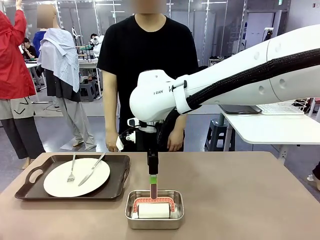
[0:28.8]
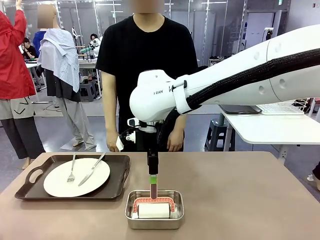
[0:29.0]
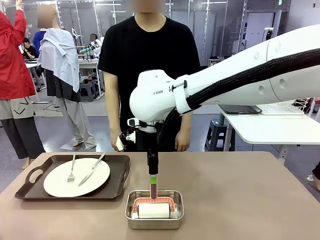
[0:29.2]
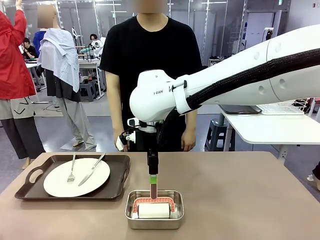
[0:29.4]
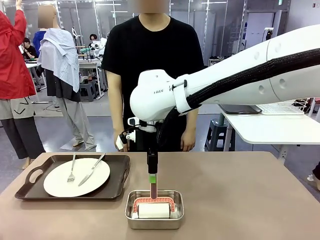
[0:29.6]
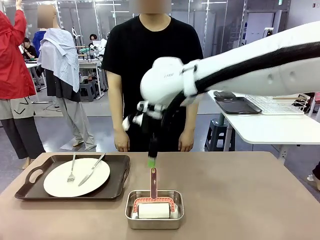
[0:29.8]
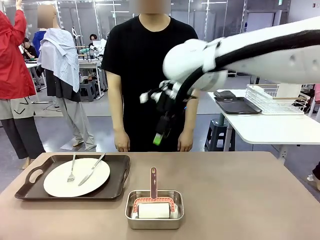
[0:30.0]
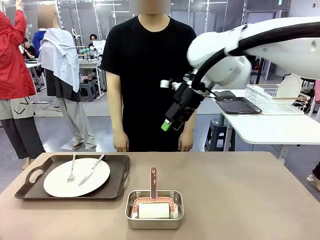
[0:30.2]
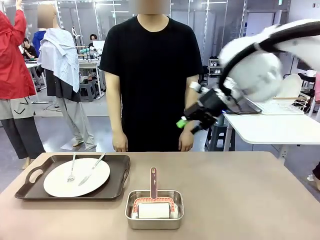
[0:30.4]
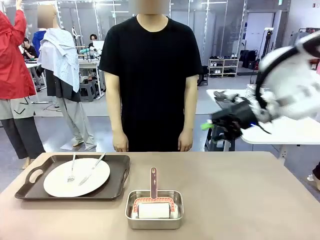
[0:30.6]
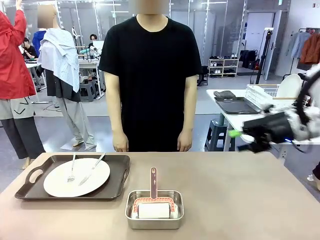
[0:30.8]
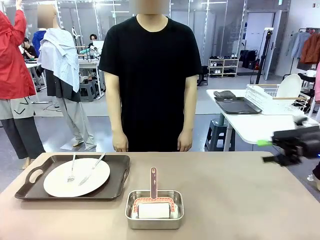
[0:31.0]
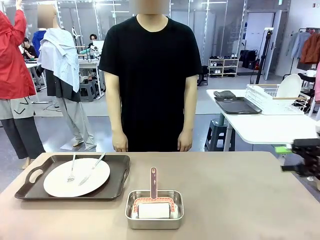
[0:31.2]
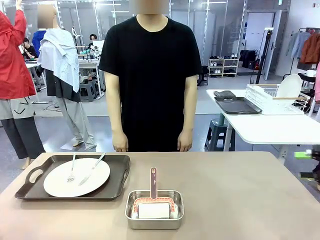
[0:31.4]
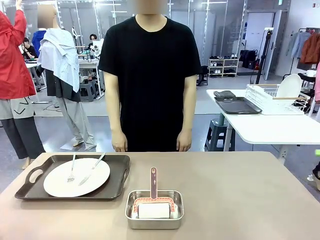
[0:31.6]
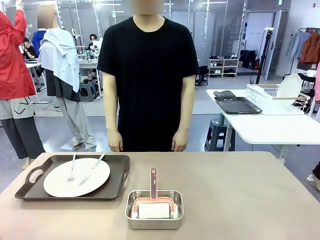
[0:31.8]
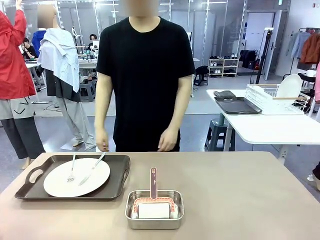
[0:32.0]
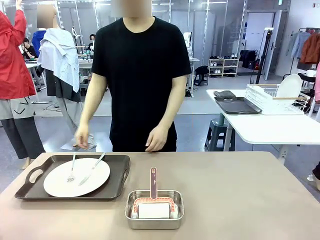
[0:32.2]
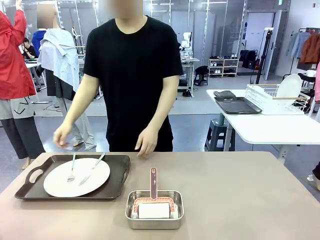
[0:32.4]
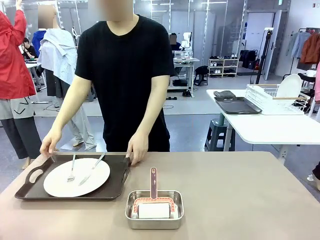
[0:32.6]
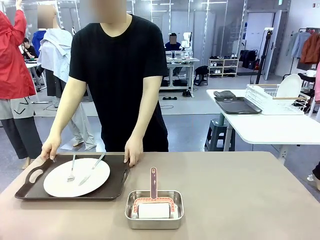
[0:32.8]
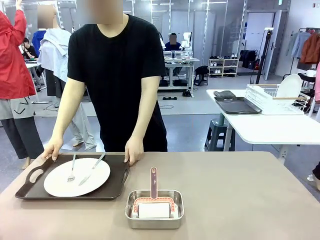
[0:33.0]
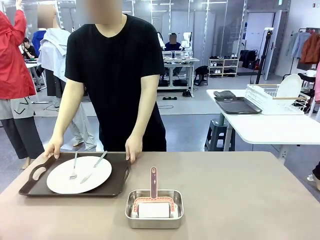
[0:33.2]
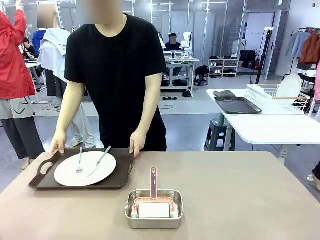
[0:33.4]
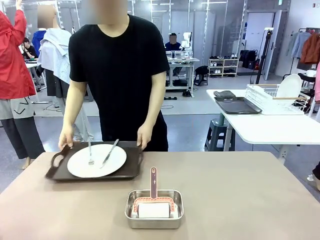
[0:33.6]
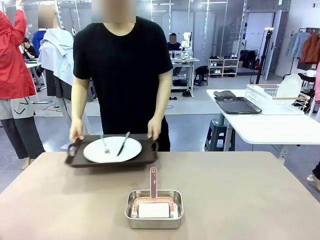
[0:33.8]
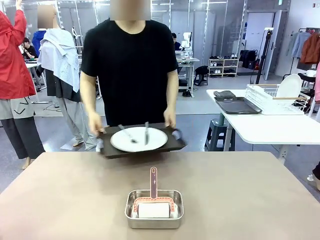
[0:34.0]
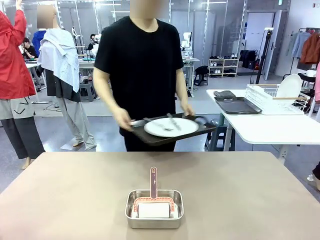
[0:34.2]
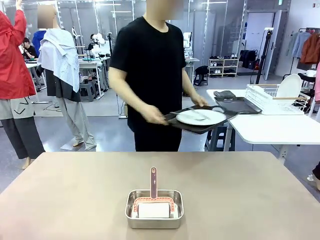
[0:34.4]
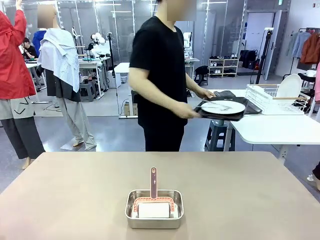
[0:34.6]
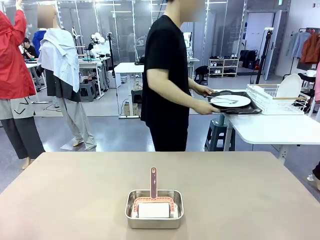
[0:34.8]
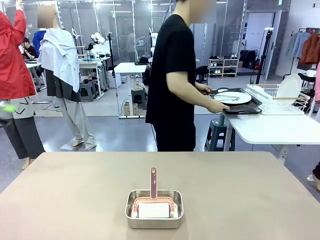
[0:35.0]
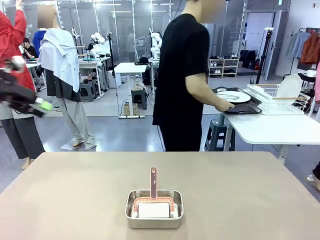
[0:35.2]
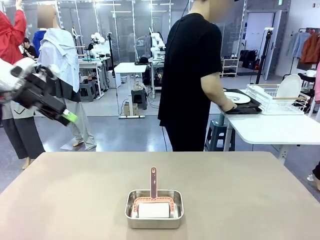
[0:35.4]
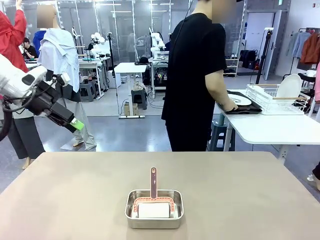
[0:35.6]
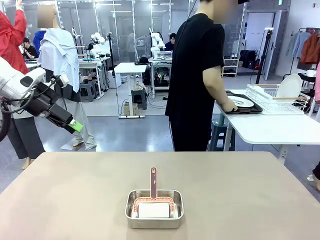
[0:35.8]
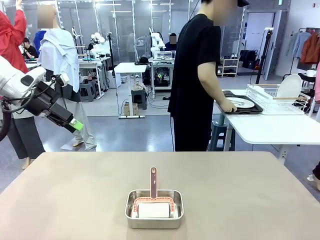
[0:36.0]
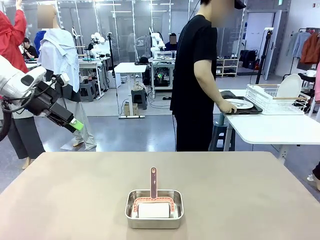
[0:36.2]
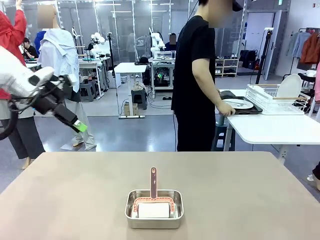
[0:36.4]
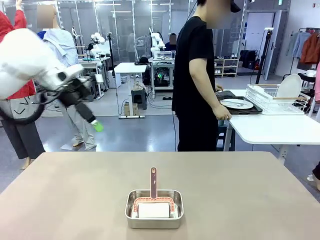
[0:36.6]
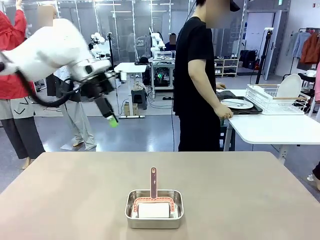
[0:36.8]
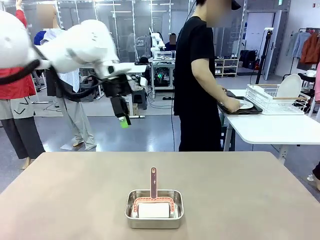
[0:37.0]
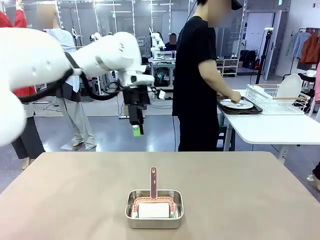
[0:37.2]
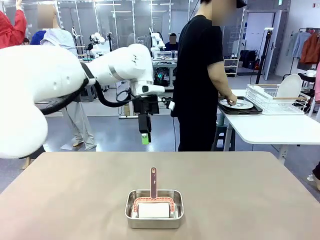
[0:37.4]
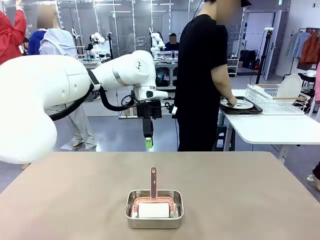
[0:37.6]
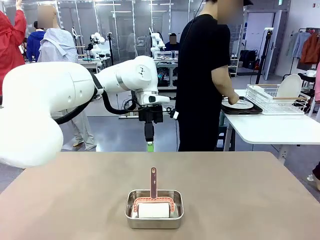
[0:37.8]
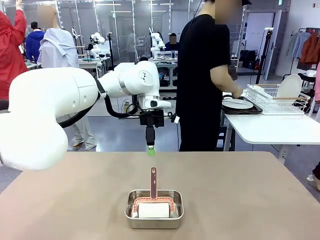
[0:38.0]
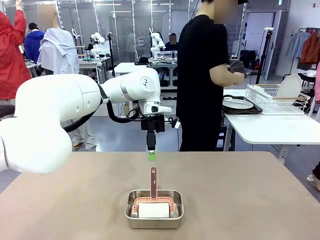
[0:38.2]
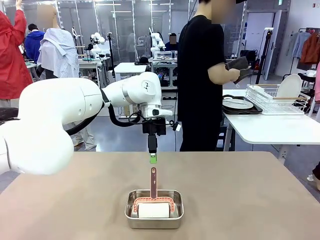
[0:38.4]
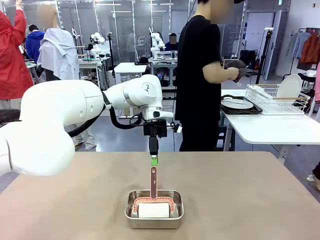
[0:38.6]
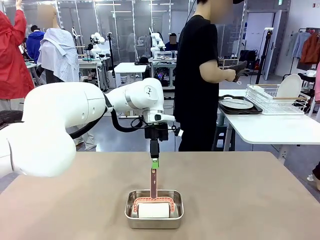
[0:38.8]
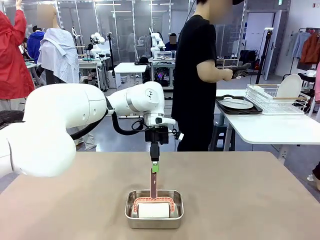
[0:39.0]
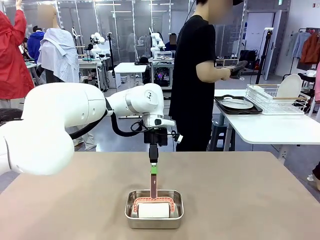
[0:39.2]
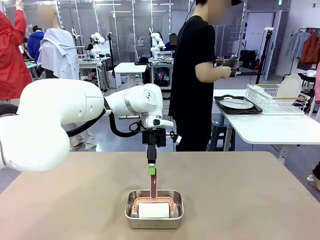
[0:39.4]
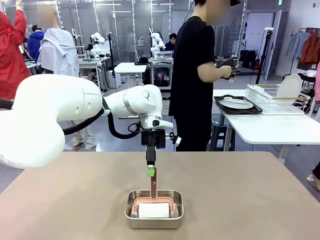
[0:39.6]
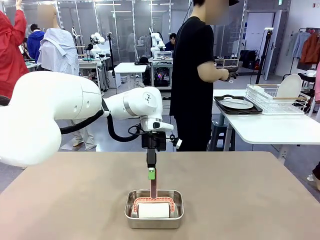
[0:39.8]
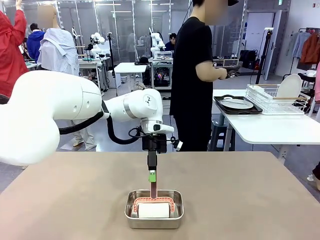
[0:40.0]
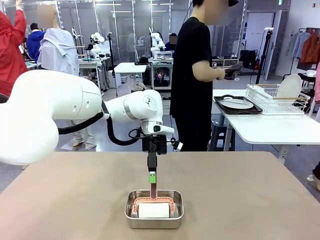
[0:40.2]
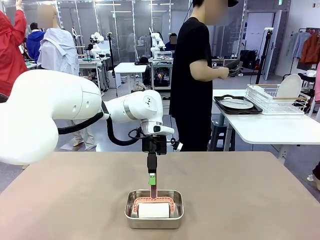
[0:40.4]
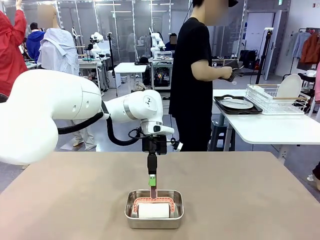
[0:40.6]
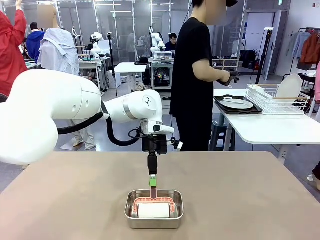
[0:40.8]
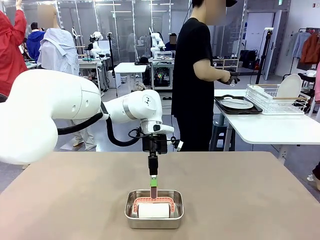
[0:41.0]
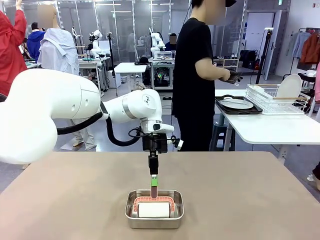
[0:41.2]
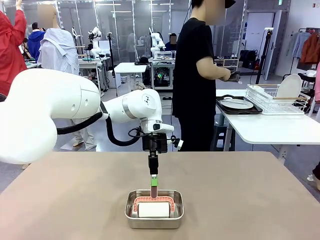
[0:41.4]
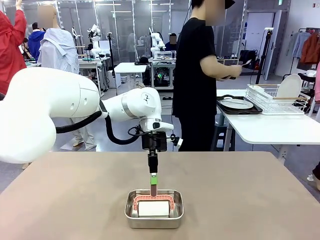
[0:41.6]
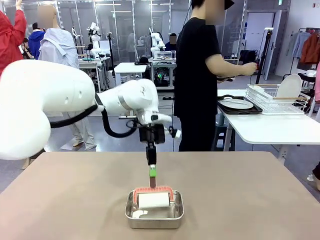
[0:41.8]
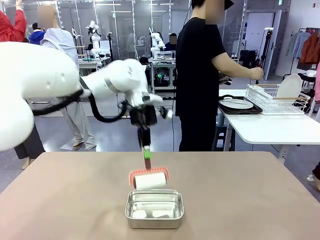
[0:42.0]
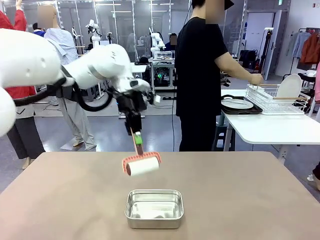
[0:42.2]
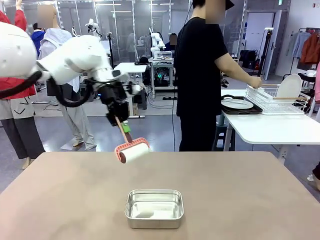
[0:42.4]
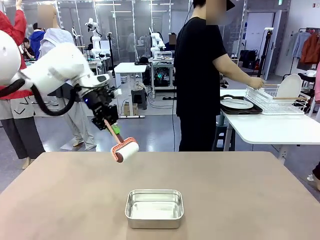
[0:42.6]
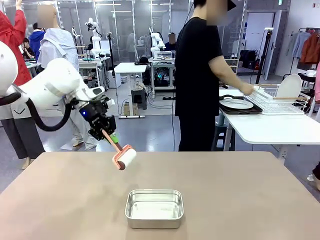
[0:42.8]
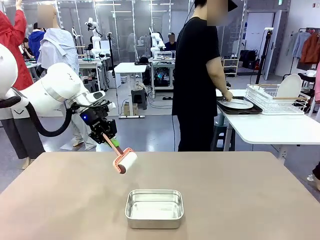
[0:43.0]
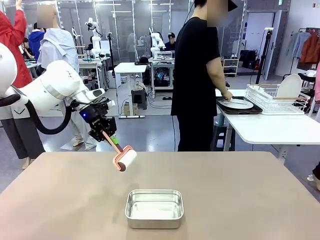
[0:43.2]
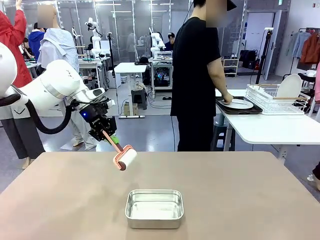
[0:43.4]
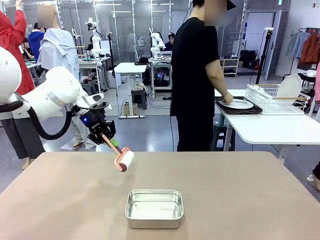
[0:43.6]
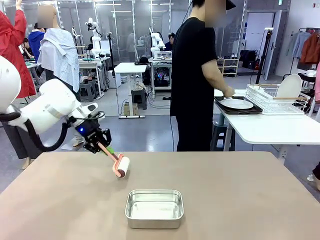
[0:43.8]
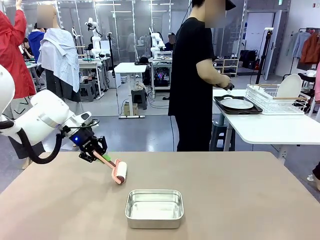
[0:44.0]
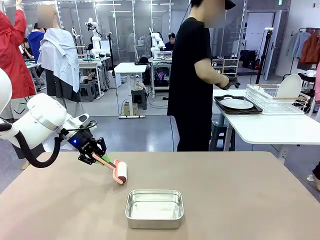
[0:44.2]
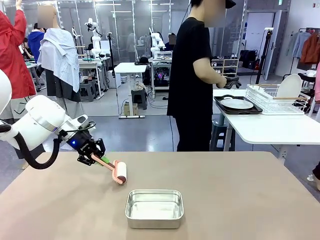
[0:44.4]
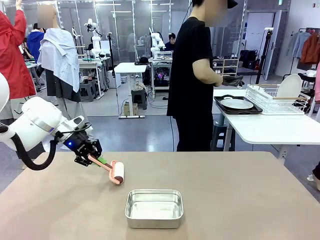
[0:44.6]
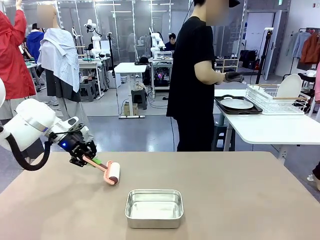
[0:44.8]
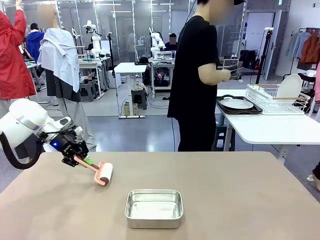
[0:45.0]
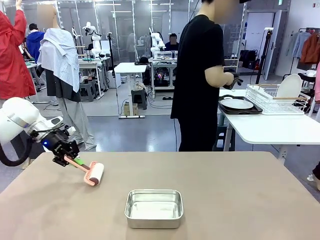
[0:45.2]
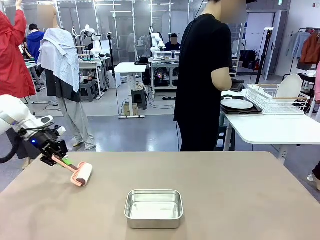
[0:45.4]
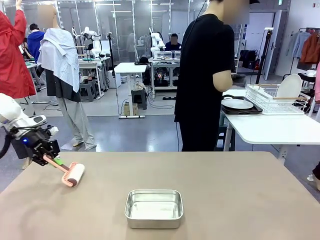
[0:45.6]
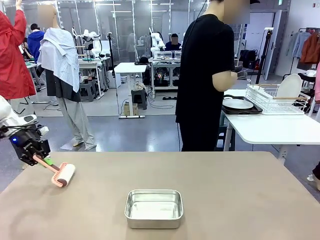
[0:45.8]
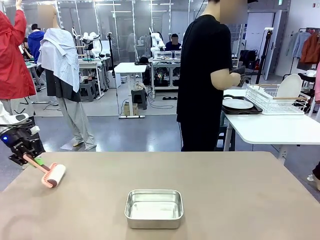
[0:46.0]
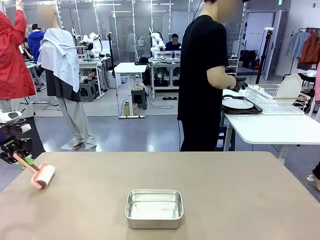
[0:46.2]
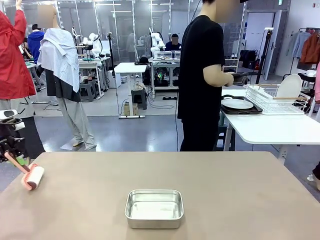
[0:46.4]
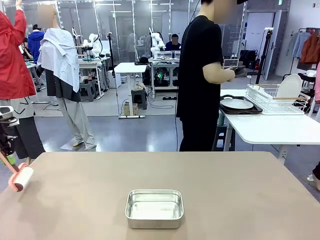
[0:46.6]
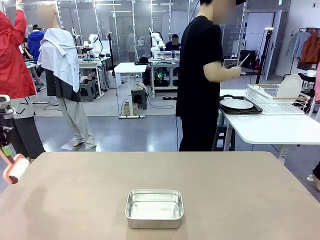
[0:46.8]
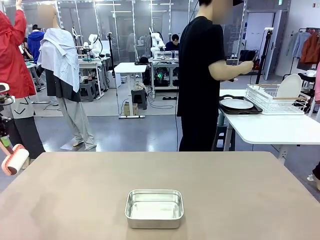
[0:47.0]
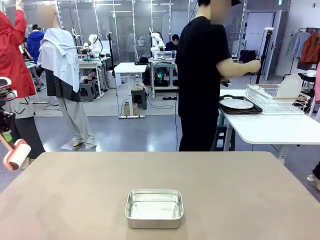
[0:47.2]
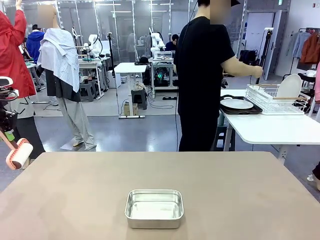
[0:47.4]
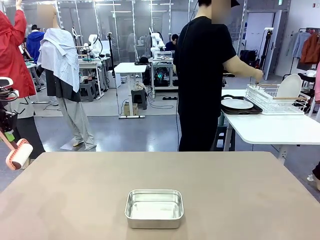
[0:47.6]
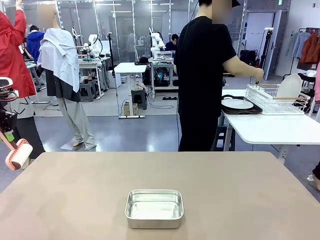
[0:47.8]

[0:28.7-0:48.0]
Robot: When the right (or left) Handle tray is removed, use the right hand (or left hand) to clean the right (or left) side of the table with the Lint Roller.
Person: Pick up the left (or right) Handle tray and place it on the Handle tray.

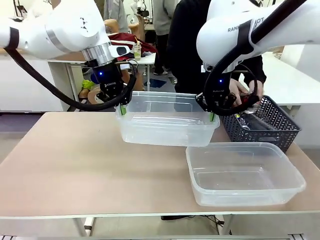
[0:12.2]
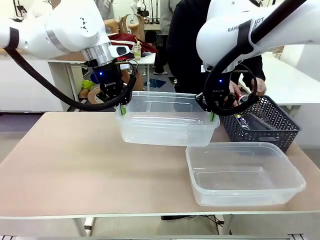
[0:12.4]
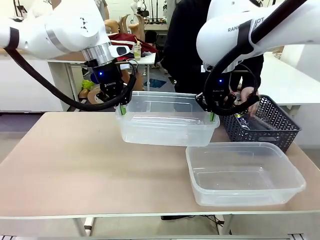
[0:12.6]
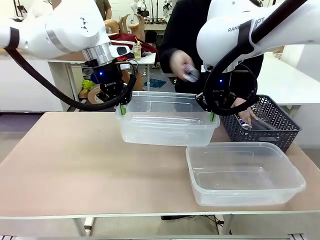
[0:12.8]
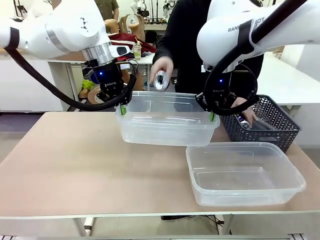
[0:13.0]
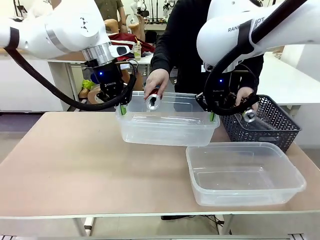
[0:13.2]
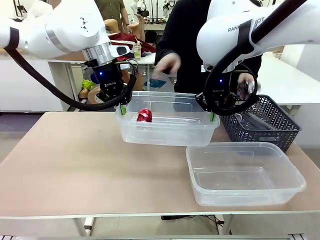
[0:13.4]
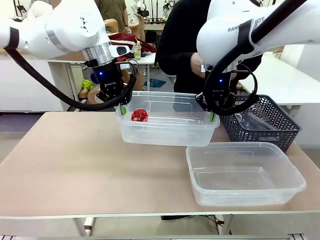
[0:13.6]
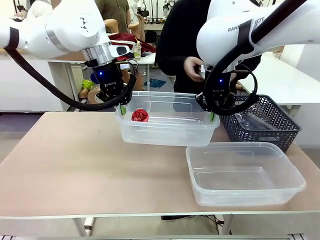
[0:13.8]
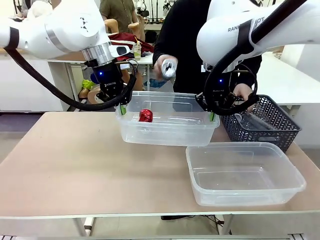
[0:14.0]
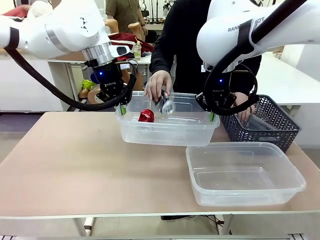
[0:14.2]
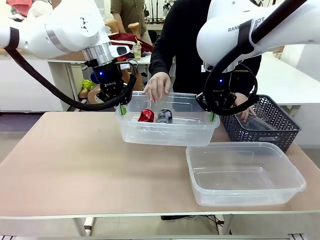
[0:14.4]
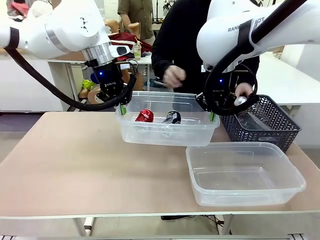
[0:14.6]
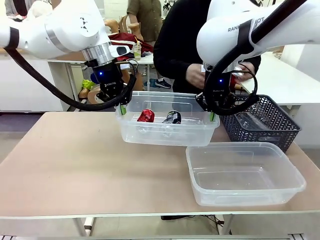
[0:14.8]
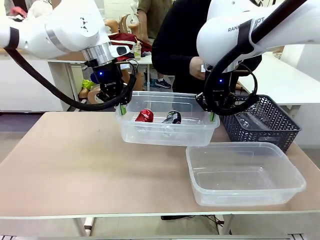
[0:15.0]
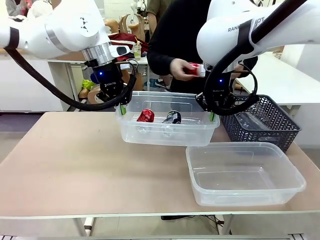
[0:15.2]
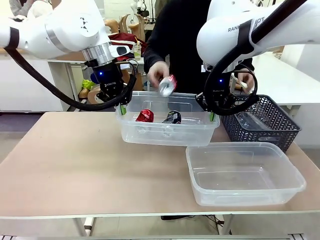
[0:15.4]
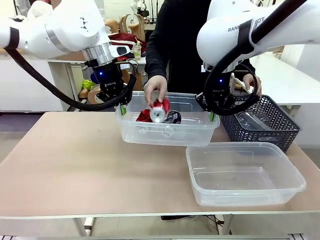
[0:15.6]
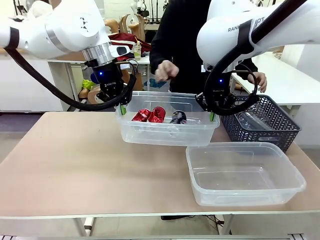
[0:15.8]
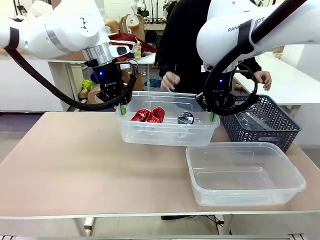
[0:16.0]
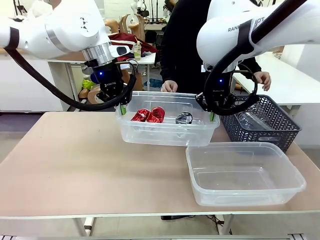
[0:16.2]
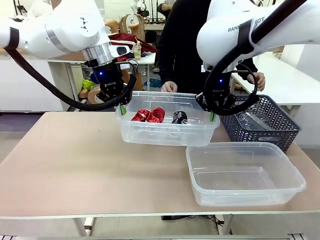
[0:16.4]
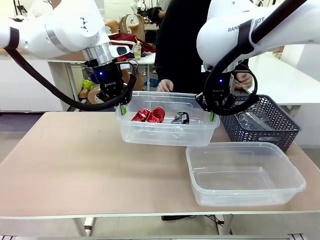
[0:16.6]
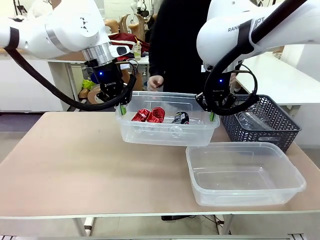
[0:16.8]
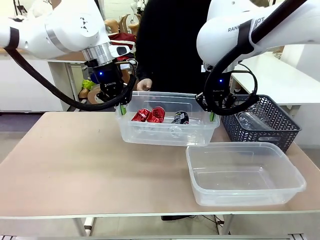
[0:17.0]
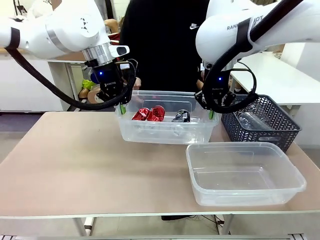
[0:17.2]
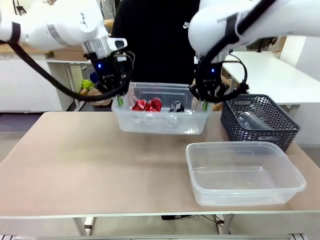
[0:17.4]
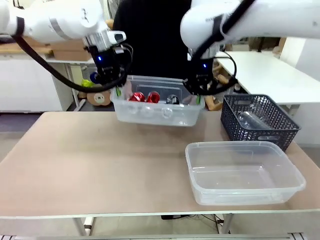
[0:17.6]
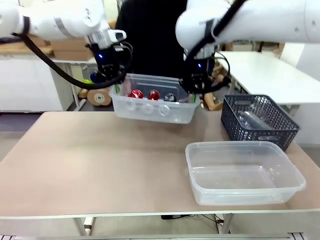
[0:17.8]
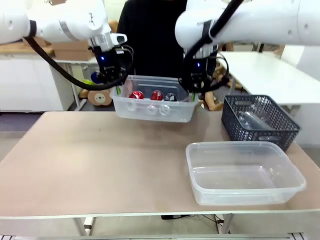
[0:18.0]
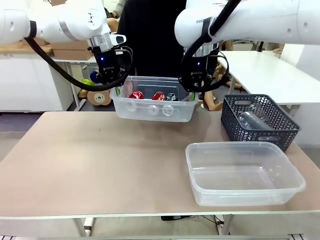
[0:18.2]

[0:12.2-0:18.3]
Robot: Offer the picked Organizing box to the human.
